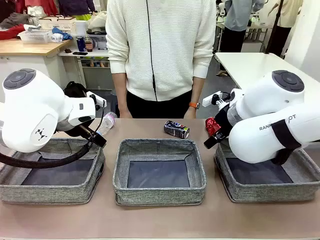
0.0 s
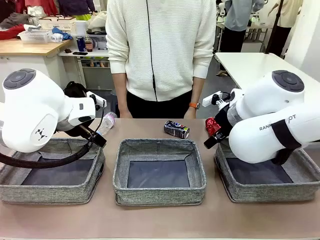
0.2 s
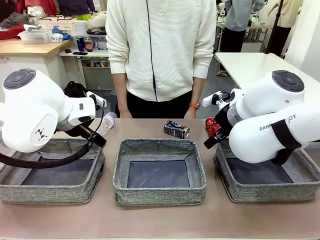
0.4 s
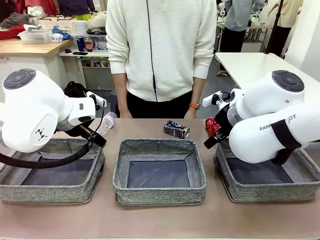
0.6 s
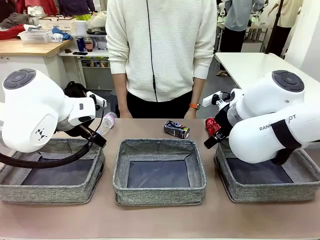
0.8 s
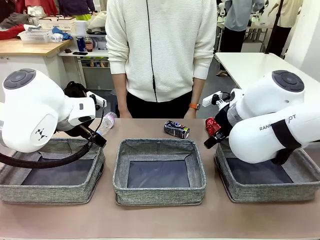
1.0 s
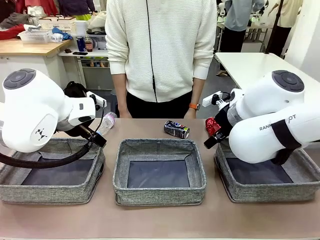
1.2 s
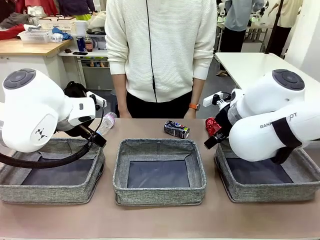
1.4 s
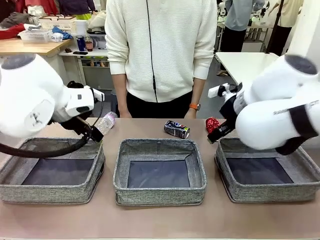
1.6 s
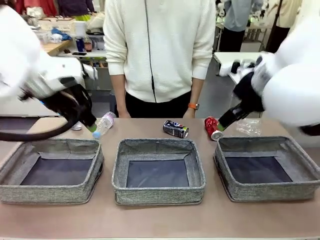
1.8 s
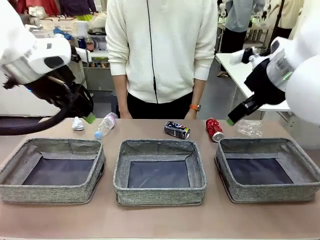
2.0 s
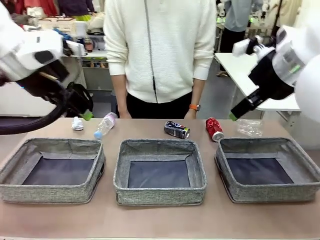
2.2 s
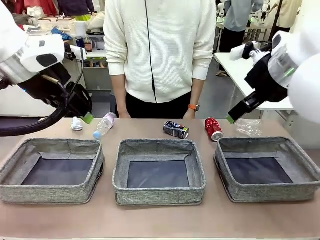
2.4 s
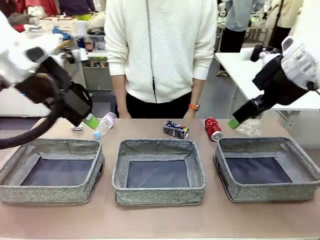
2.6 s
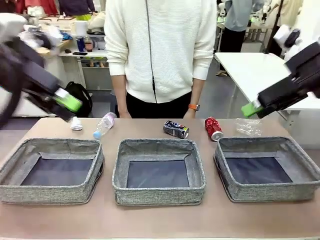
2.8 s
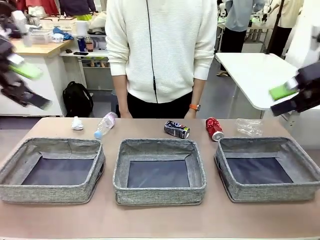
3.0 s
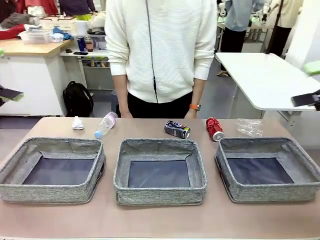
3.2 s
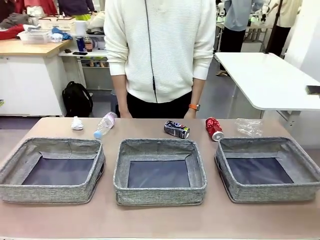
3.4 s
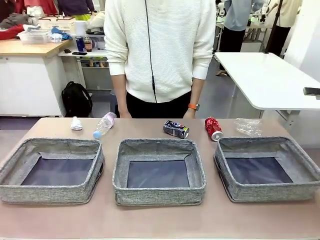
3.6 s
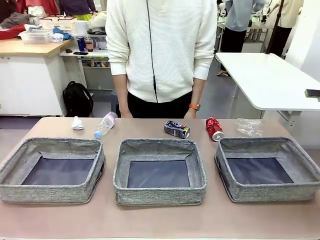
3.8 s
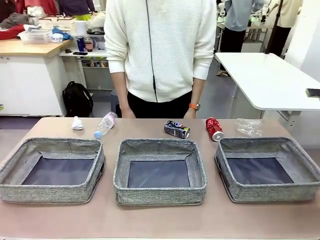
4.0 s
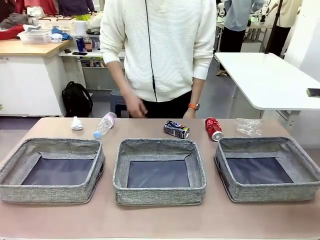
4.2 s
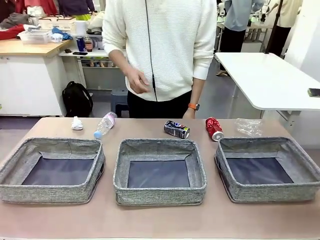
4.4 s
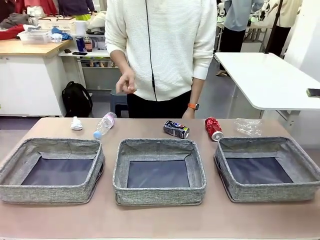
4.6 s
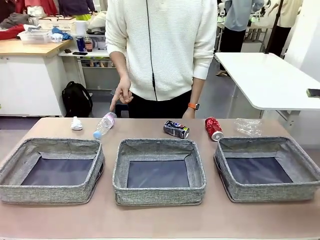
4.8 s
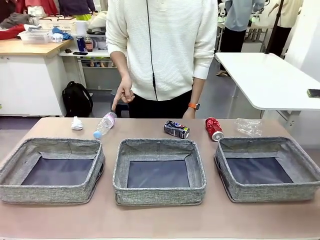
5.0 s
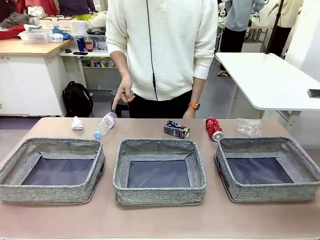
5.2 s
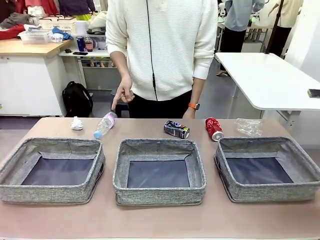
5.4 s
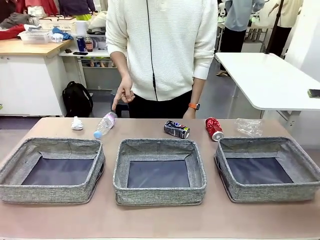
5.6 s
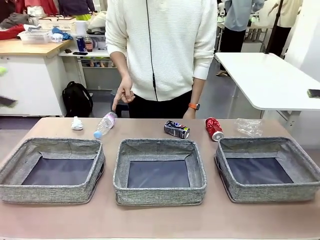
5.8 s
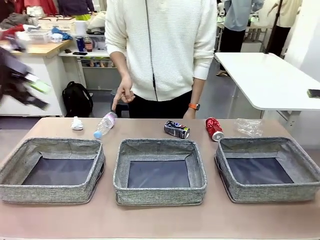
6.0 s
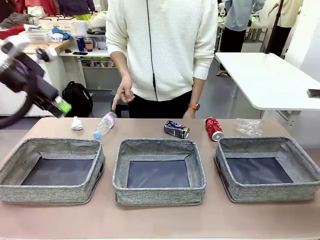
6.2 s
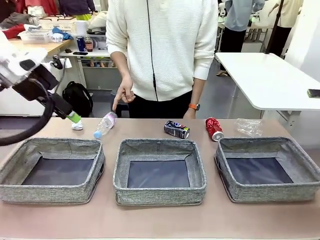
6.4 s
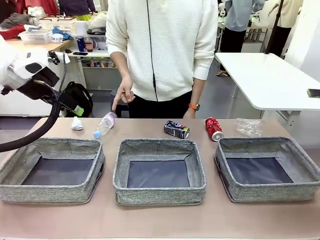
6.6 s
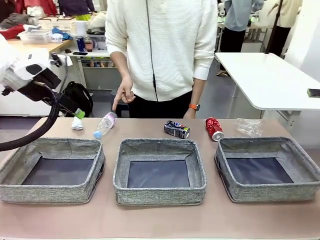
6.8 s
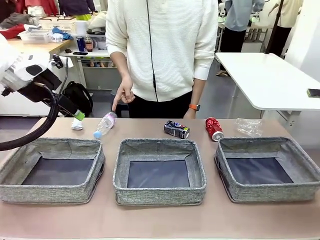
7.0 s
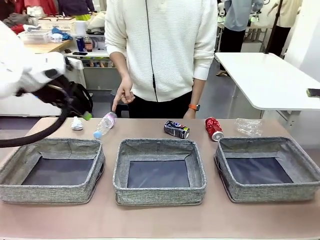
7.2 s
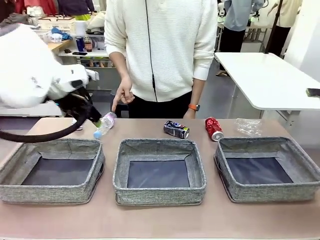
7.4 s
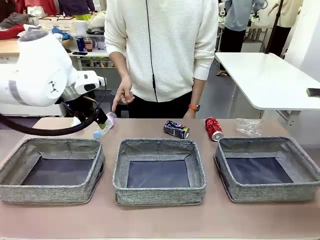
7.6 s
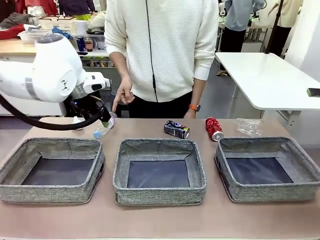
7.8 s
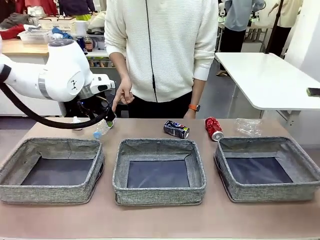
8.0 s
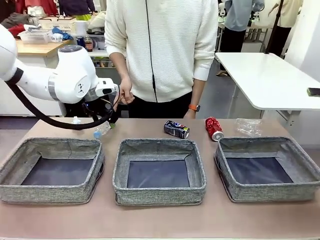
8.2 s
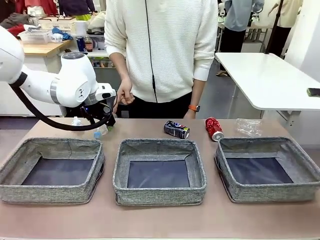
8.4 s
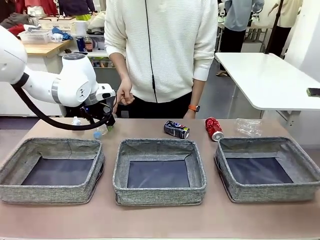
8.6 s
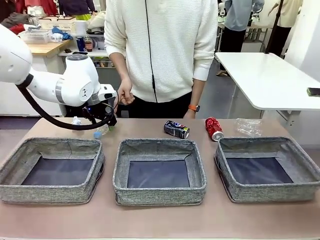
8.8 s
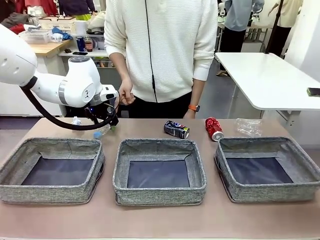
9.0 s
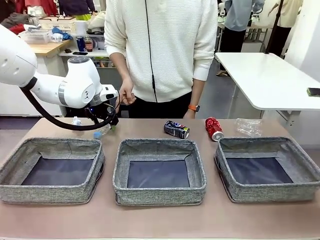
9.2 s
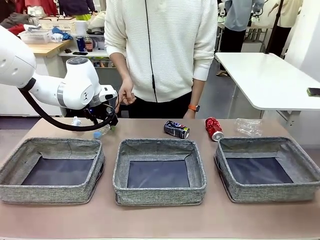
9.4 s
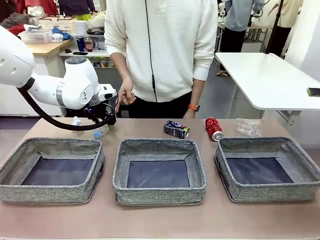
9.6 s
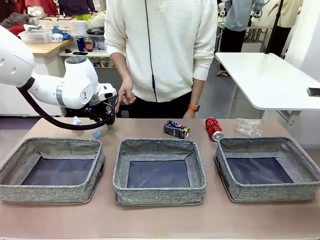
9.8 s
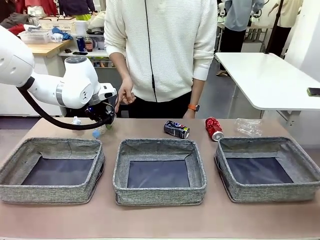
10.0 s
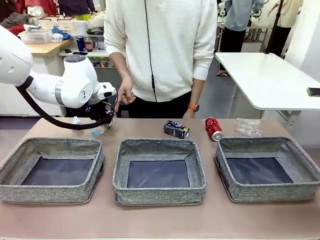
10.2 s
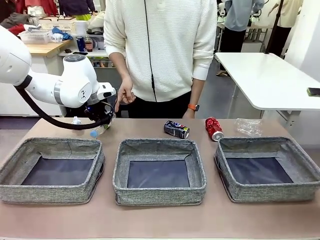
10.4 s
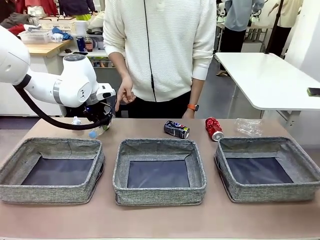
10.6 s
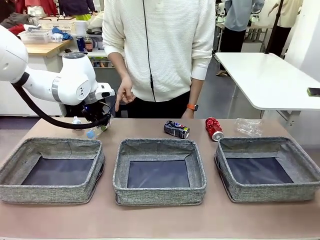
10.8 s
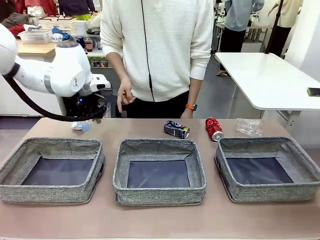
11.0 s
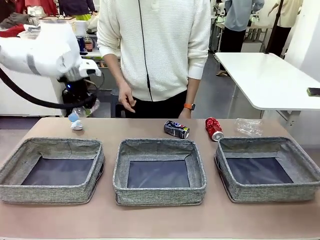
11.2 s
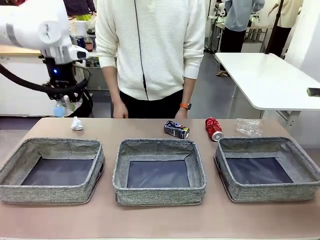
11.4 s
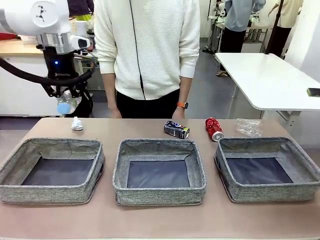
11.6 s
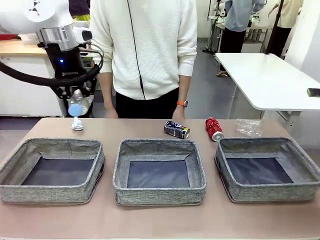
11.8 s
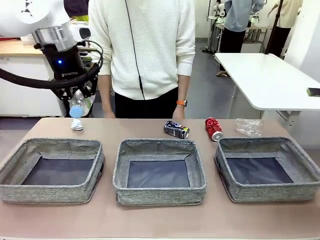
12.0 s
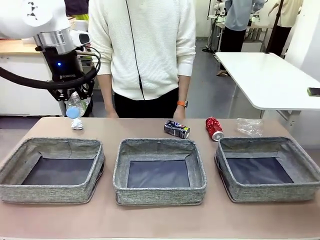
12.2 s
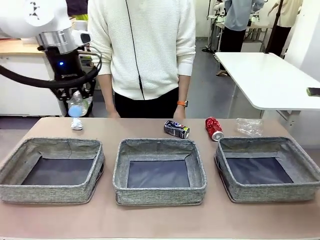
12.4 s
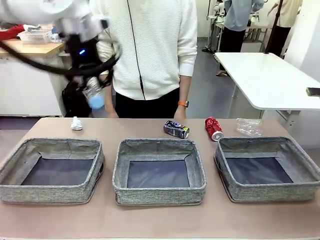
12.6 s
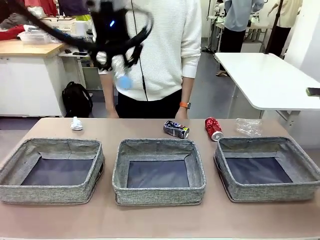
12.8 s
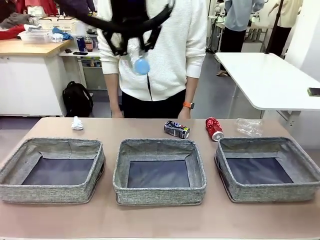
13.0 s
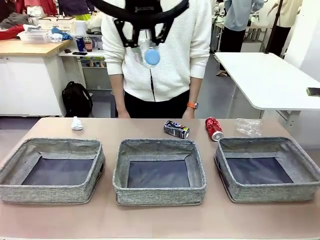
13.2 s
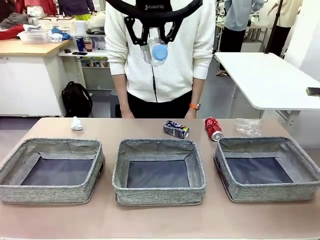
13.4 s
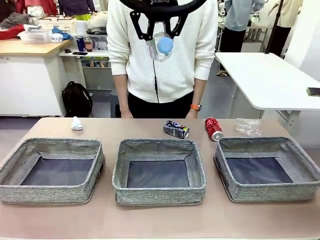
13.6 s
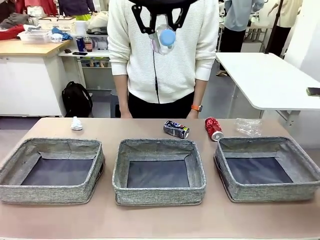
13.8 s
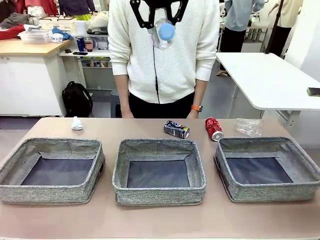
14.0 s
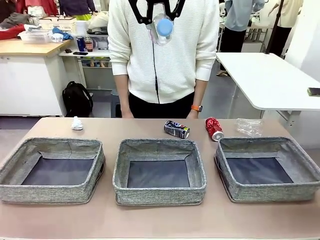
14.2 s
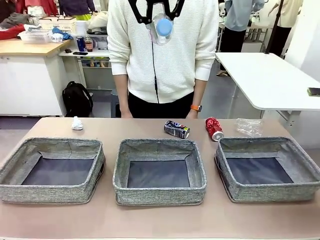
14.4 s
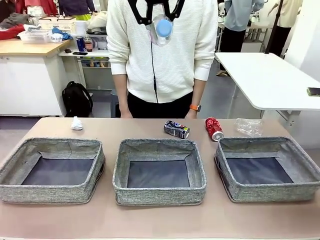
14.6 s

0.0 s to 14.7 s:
Task: Sort the waste into the appropriate baskets.
Robot: Pick up the waste item pointed out by the person.
Person: Points to one piece of trash on the table.

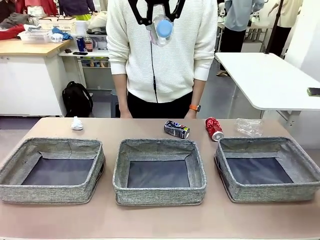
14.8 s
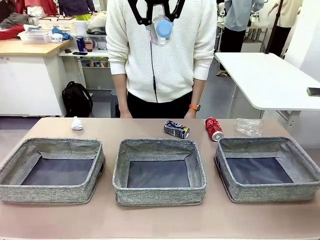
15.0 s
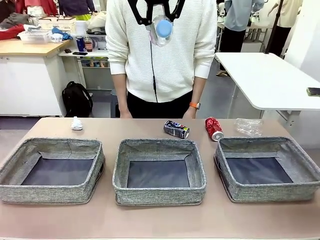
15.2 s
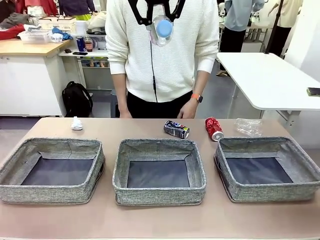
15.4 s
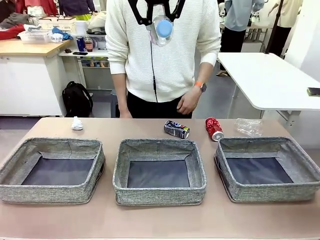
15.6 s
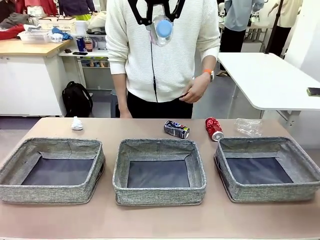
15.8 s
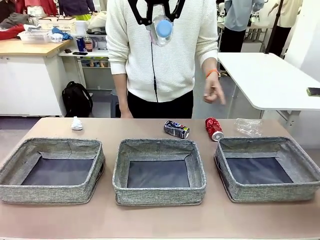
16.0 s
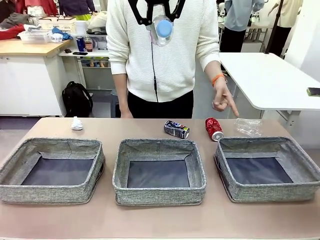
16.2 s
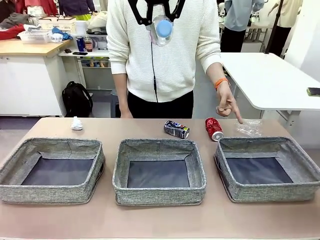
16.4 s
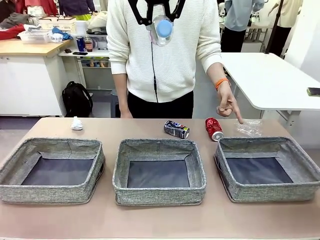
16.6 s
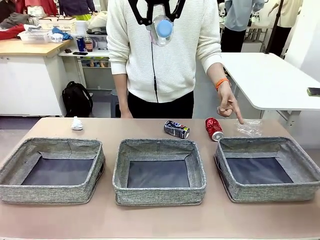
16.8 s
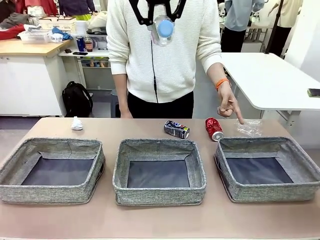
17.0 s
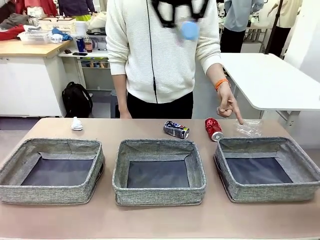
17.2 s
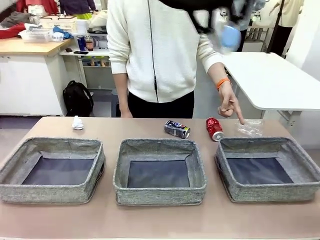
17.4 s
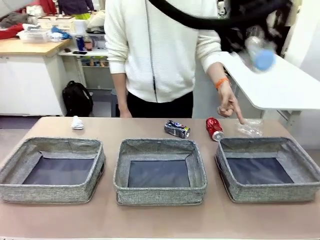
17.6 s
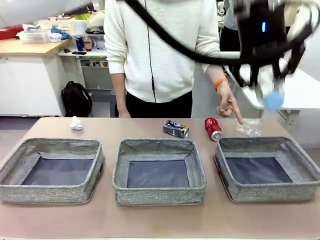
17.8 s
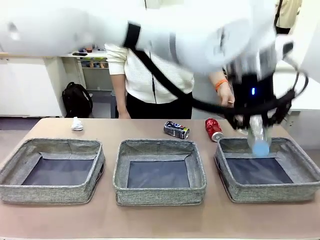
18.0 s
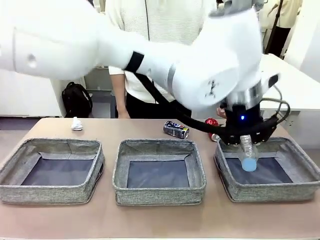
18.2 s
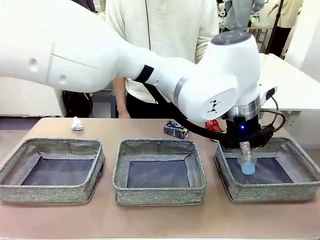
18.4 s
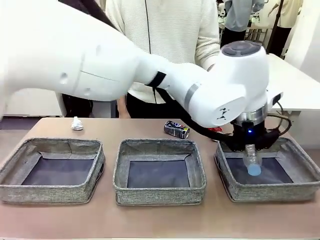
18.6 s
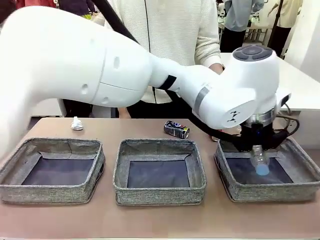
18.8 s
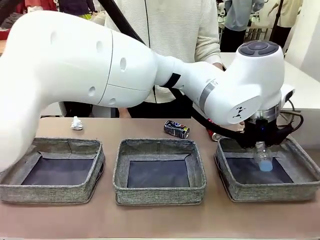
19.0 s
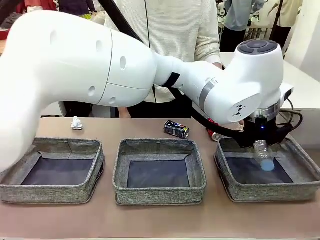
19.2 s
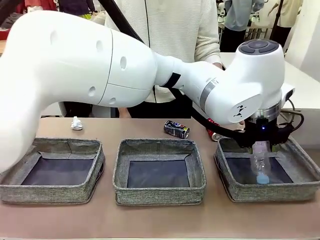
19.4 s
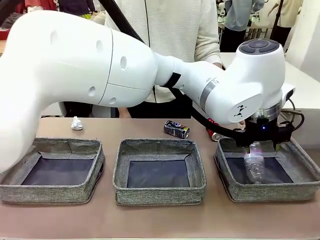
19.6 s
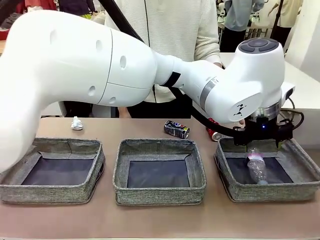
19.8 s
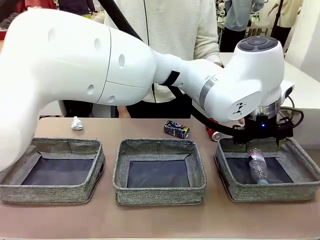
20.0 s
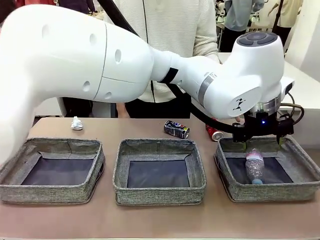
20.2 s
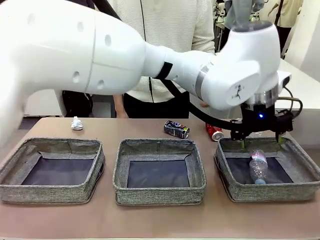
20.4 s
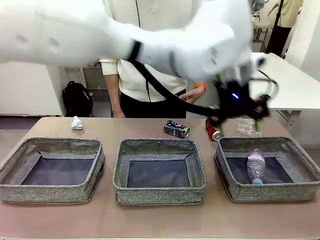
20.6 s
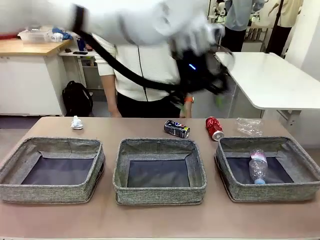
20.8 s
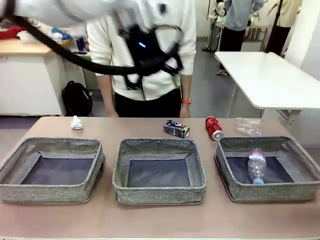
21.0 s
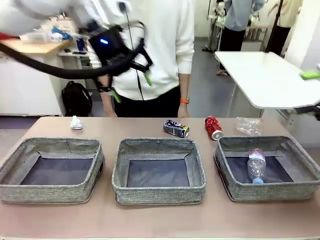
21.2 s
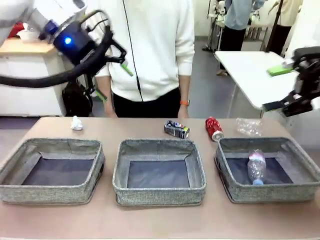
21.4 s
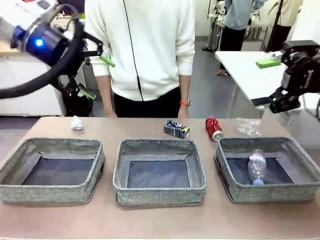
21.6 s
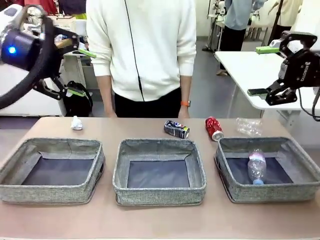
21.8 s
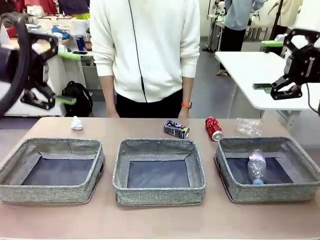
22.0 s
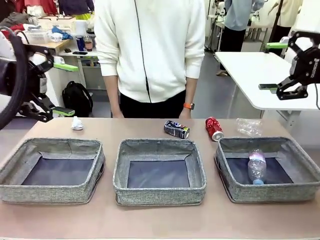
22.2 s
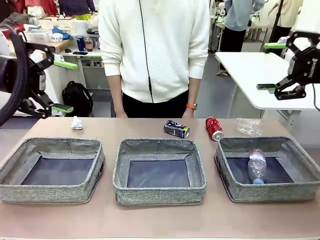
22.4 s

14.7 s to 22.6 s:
Robot: Place the picked waste into the Fabric basket indicated by the person.
Person: Instructs the robot to place the picked-up trash into the appropriate organizing basket.
